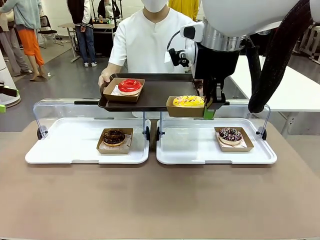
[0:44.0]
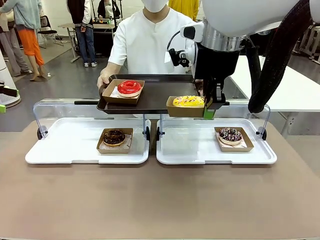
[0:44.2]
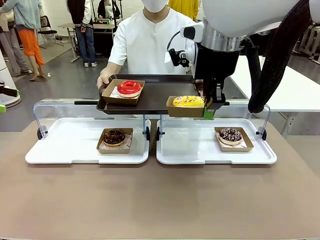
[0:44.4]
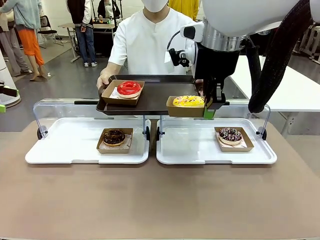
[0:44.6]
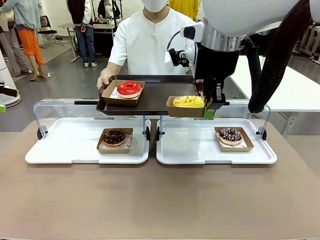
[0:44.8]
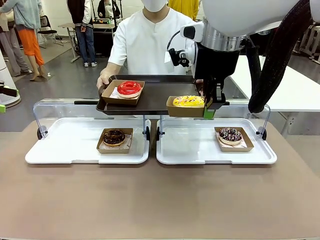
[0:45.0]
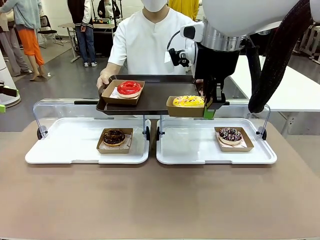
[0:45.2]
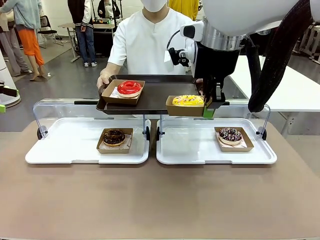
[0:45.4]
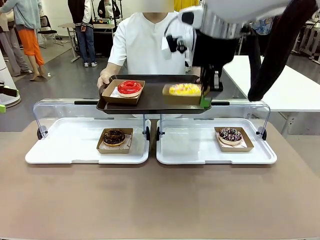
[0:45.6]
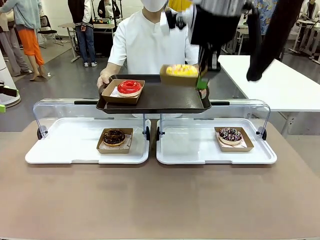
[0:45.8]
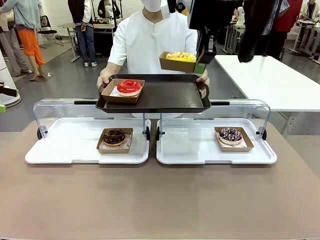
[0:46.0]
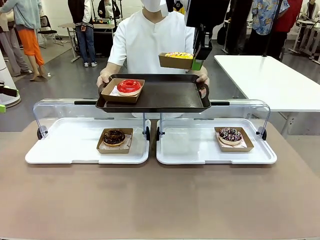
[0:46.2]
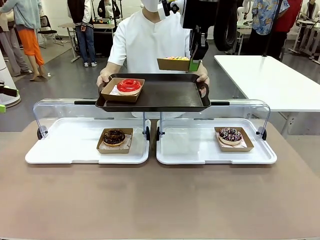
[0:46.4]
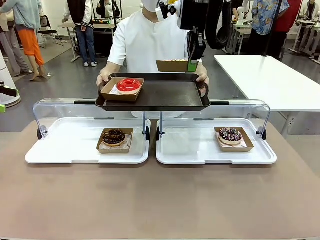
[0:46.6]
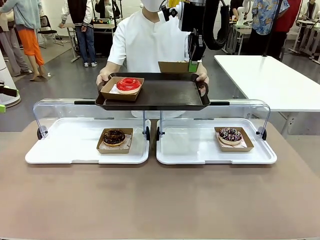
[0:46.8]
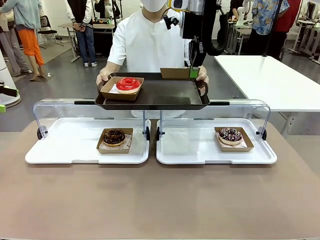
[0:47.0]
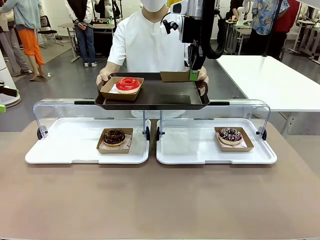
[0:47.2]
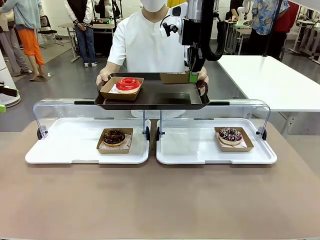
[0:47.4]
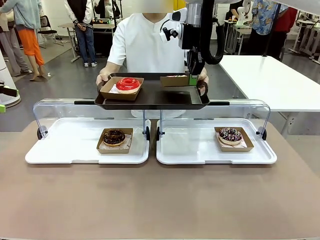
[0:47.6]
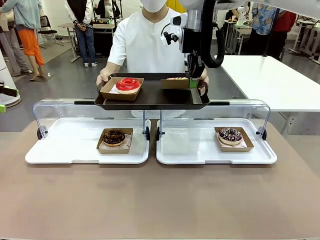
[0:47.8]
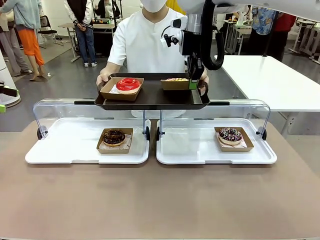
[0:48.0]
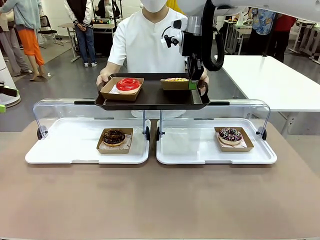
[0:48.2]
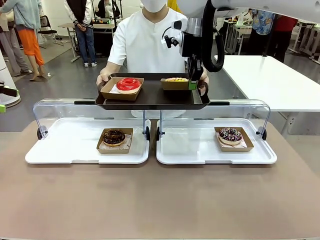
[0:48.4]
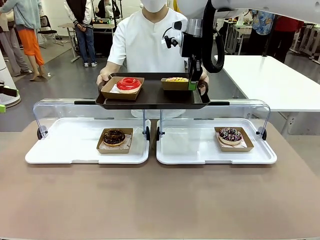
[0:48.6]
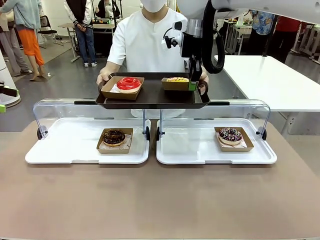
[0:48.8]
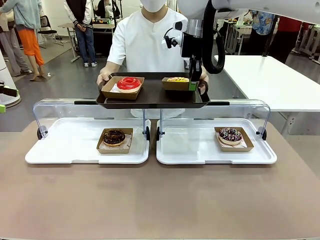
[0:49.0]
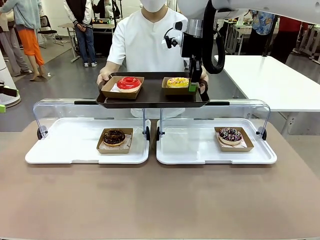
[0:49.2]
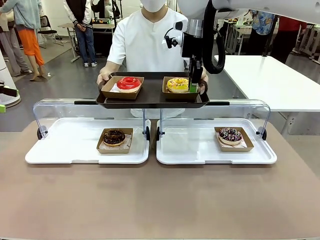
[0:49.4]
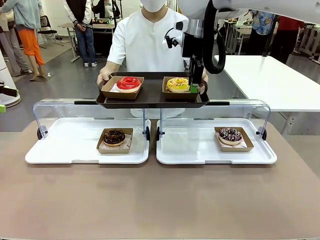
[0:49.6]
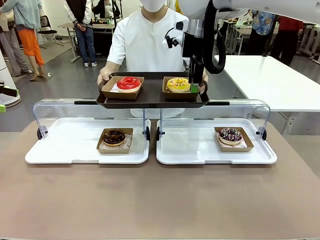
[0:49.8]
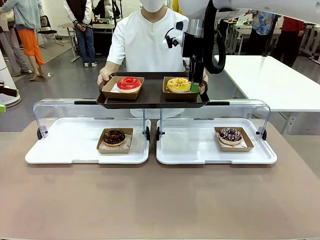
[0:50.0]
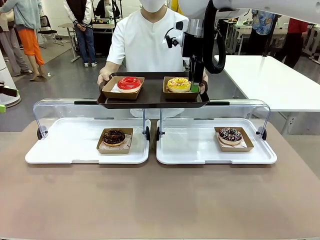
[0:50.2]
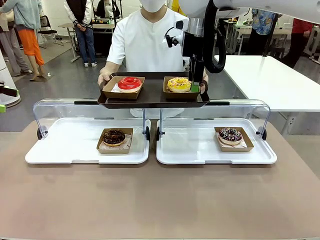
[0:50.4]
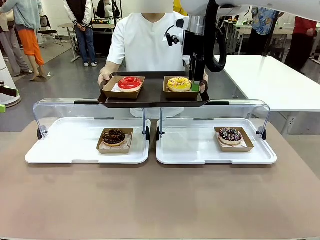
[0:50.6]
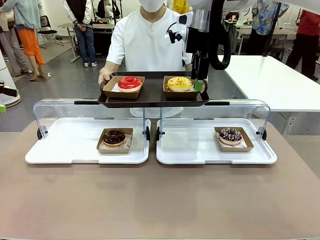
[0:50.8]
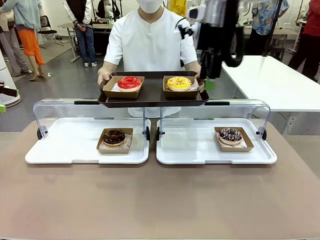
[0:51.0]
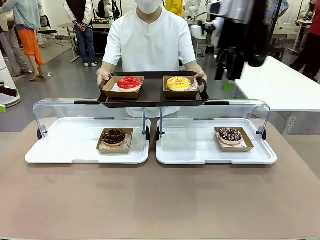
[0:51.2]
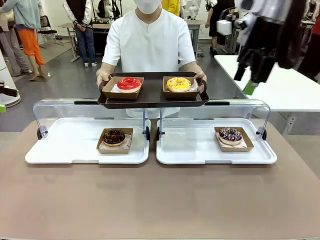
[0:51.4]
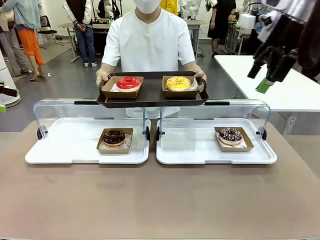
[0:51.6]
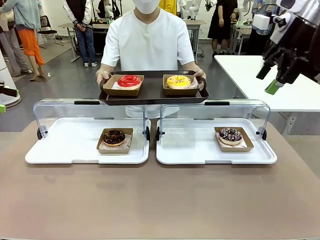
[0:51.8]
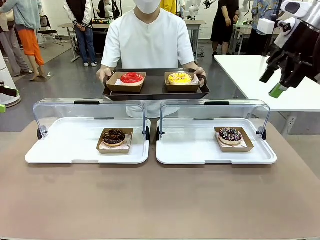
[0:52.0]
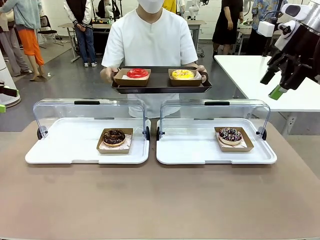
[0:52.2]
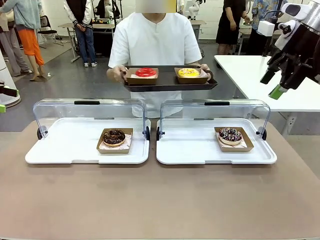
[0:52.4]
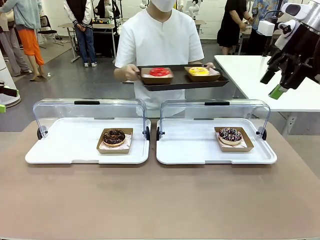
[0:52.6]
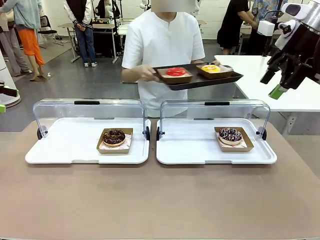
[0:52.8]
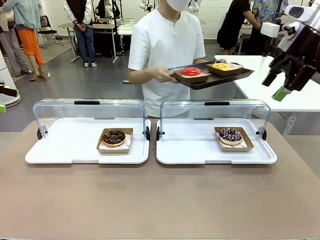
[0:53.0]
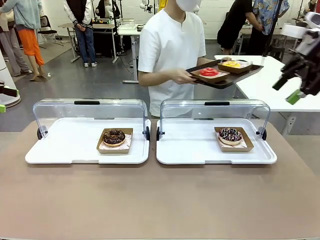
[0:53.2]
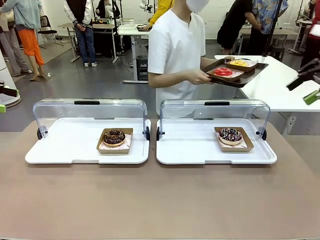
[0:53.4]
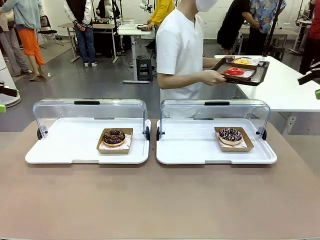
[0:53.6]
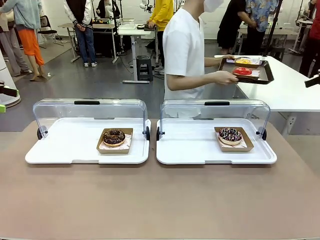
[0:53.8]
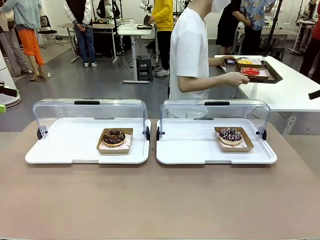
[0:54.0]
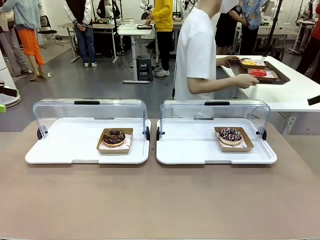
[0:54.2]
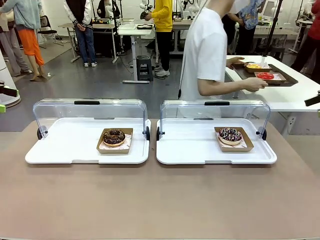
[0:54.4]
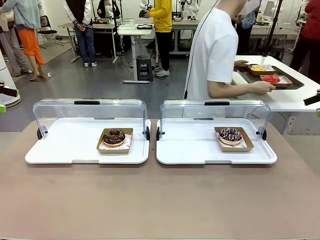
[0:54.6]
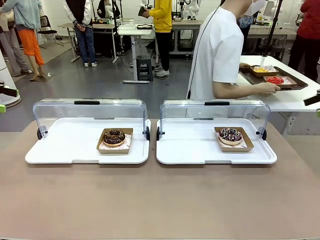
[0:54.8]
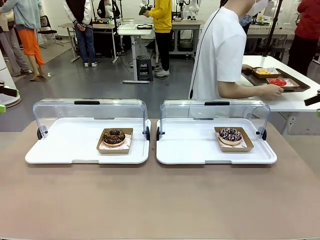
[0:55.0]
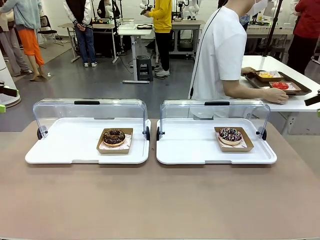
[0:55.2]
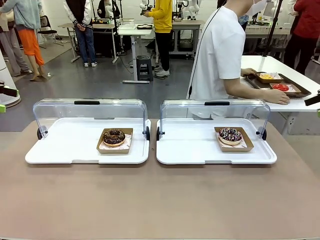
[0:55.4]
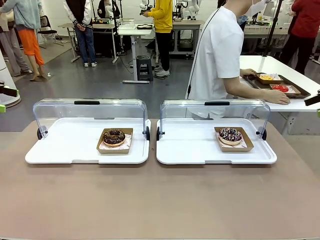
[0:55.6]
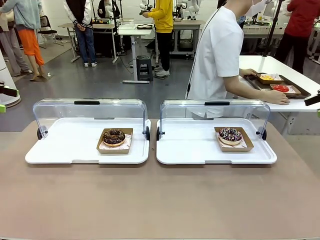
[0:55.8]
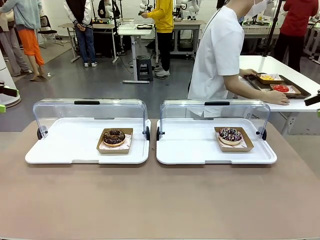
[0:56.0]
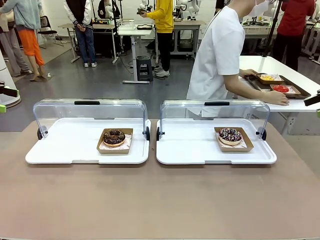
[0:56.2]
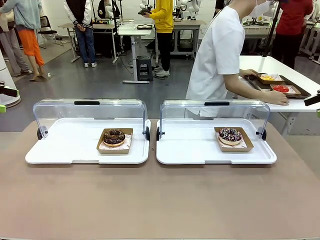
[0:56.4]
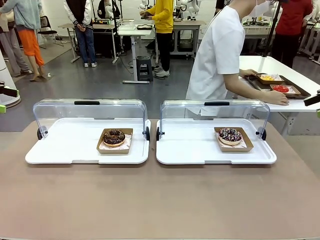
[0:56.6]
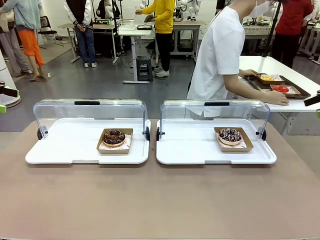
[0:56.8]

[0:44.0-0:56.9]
Task: Provide the desired donut to the person.
Robot: Place the picked Paper togo box onto the Handle tray extended by the person.
Person: Place the tray in the middle of the human table.

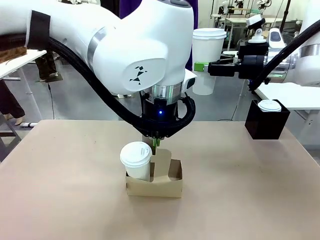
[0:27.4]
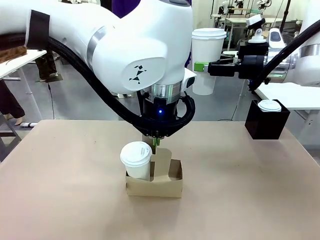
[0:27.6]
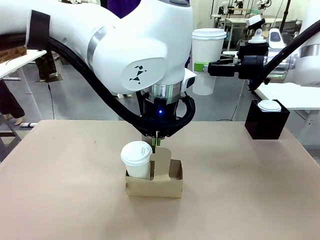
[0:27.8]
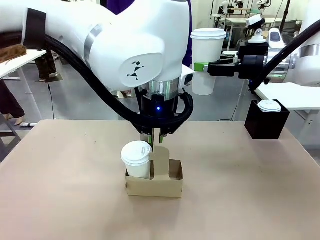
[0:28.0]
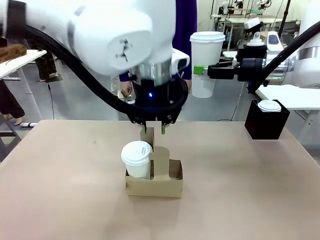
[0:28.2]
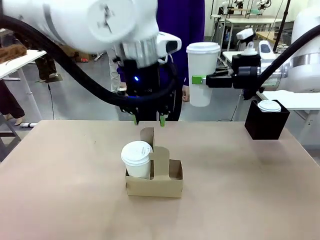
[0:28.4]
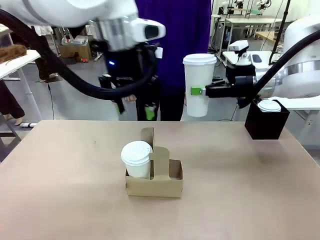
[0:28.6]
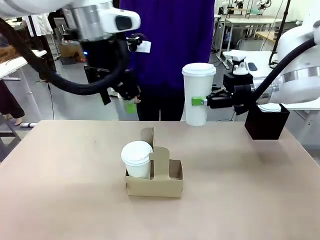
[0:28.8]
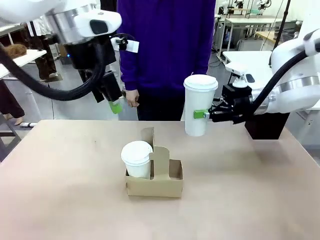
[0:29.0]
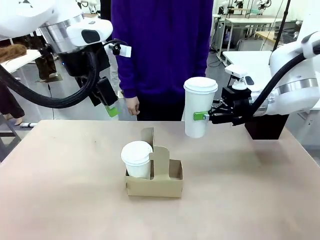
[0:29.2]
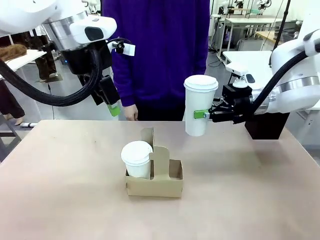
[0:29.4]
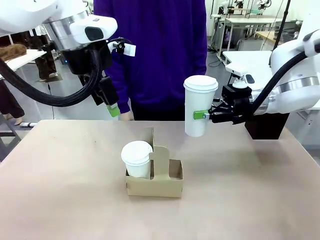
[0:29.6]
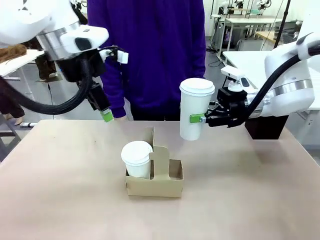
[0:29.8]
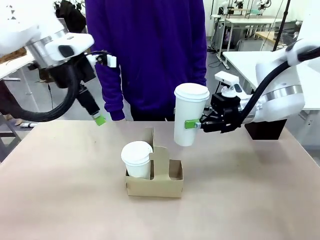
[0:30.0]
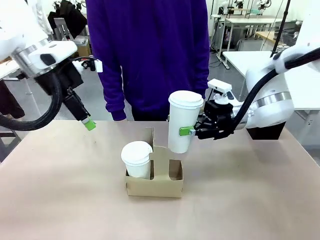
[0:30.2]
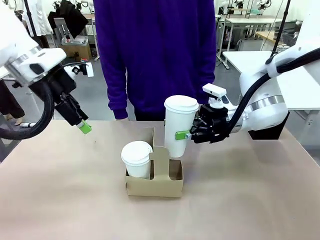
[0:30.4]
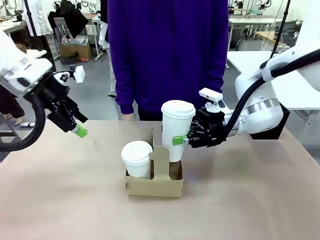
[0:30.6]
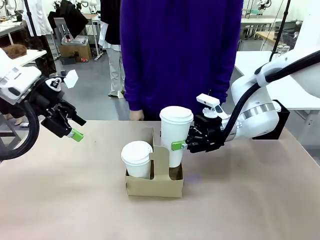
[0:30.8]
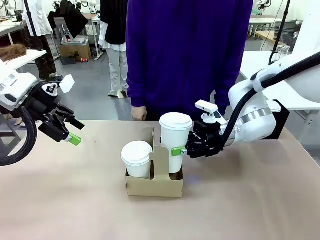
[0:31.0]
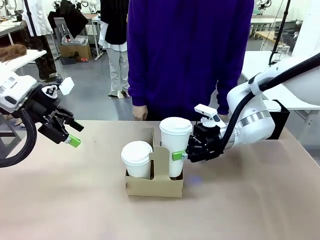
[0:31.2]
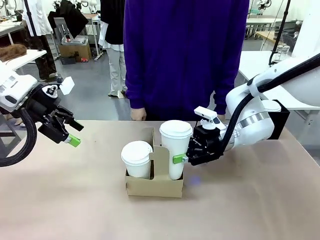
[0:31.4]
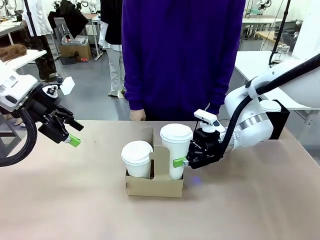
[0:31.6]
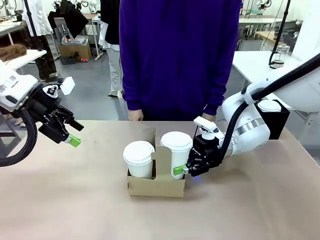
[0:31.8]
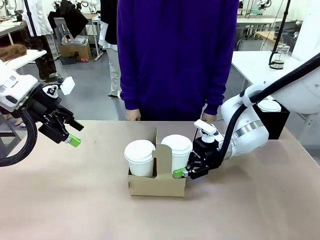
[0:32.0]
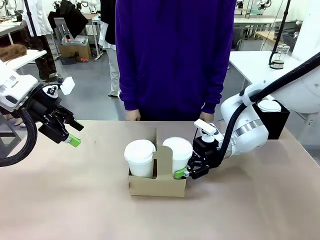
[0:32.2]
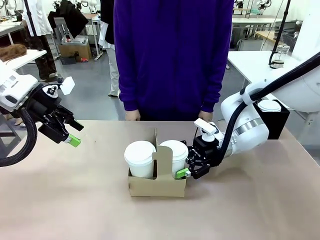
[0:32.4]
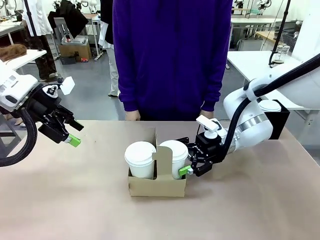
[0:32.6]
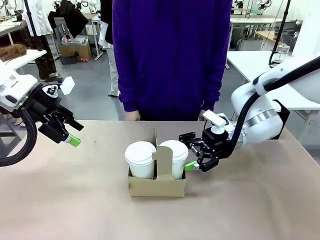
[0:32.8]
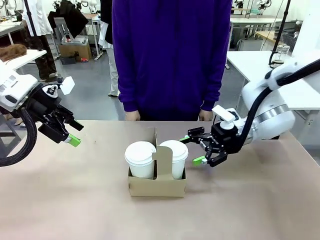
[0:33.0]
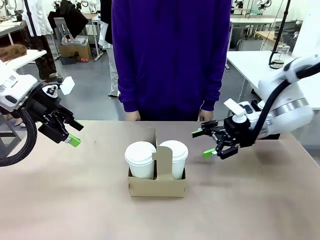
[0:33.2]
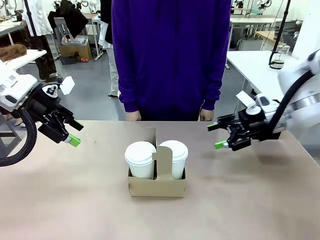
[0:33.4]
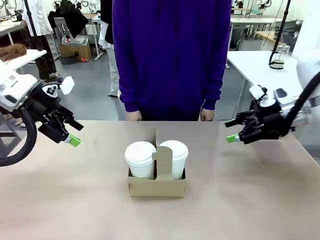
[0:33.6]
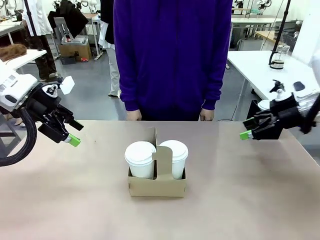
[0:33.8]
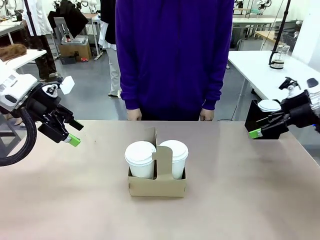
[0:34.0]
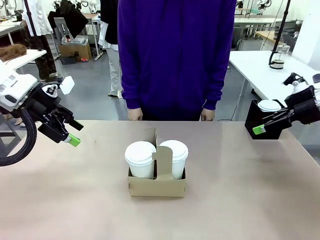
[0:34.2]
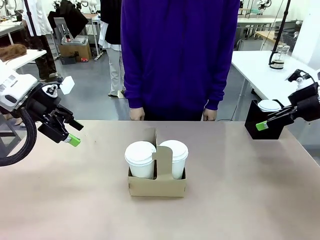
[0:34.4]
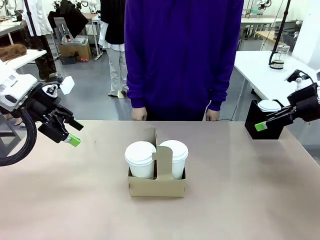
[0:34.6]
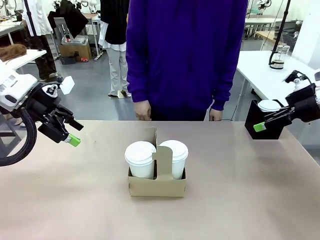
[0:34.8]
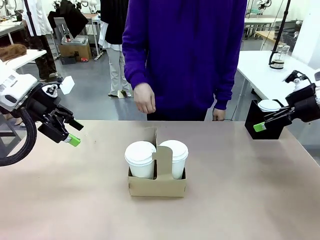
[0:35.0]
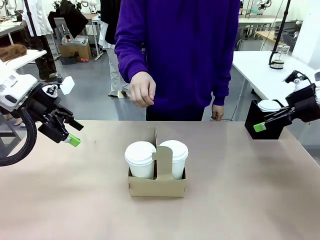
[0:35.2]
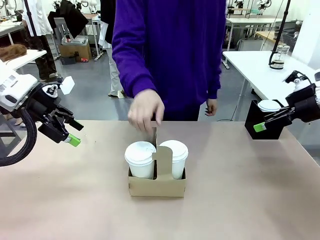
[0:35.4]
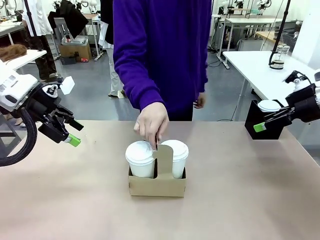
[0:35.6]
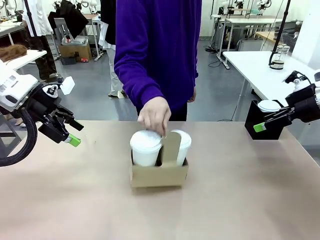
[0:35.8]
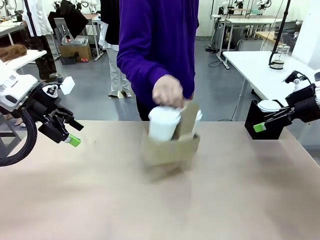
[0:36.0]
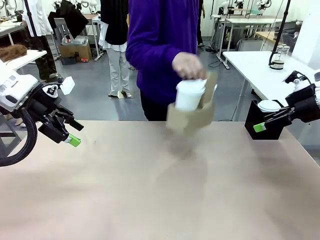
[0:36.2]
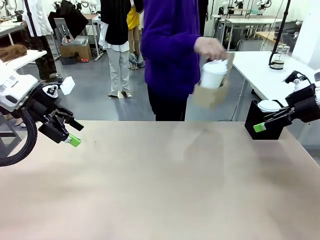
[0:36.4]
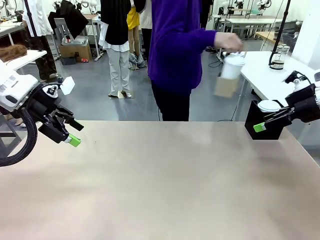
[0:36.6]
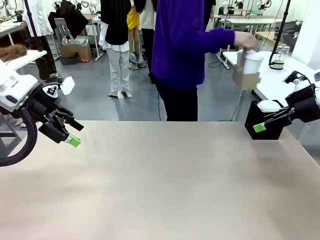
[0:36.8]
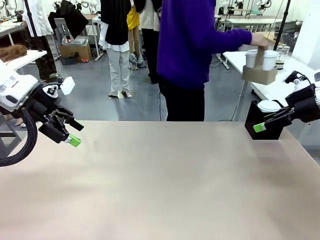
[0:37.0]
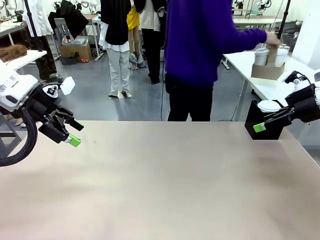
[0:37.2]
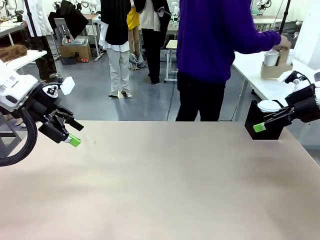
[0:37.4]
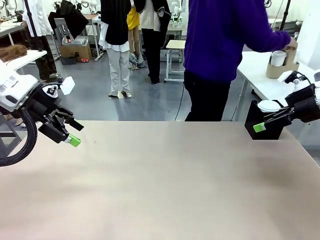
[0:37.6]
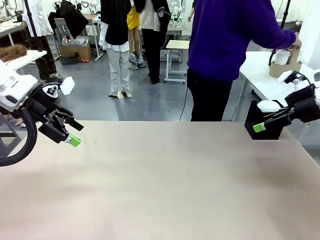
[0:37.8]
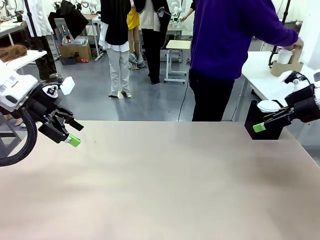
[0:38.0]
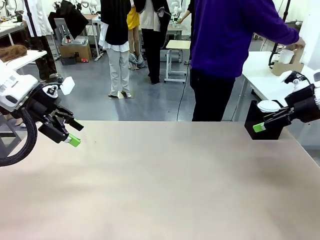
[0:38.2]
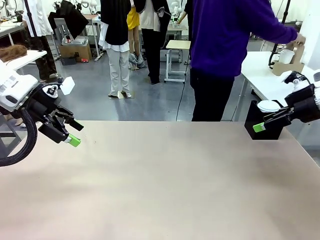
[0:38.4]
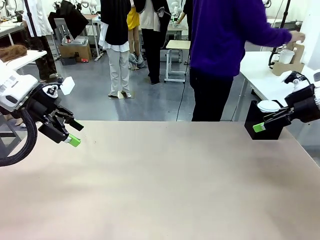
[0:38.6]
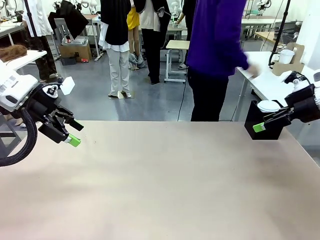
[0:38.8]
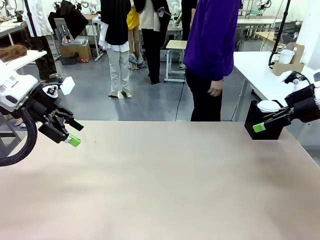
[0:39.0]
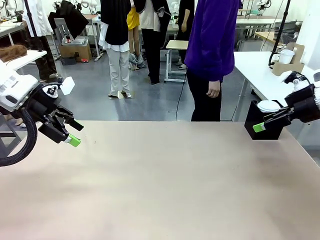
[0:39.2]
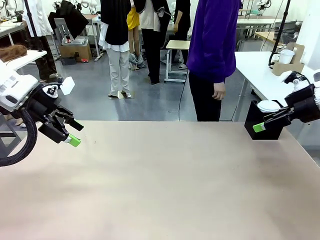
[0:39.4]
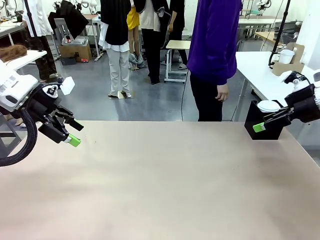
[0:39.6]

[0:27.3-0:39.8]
Task: Pour a drink into a cup and package it in a carrier.
Robot: Insert the held 600 ml Paper Cup into the Cup Carrier.
Person: Place the Cup Carrier to the middle of Human table.
